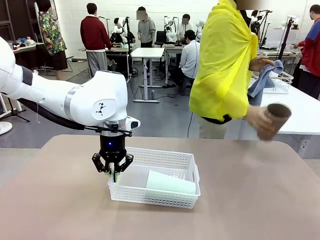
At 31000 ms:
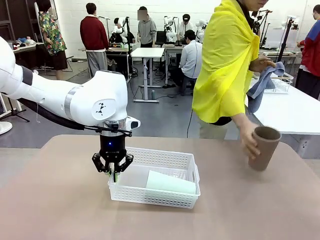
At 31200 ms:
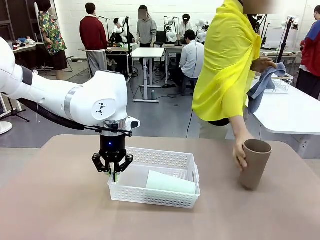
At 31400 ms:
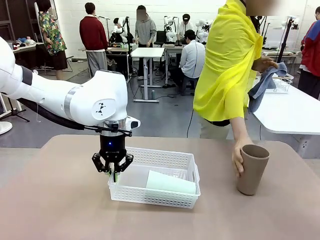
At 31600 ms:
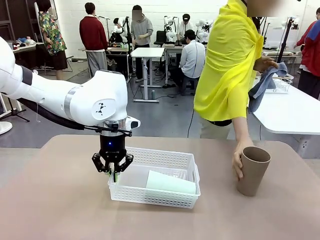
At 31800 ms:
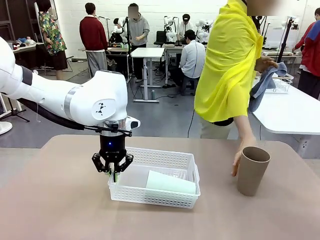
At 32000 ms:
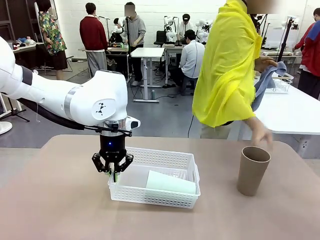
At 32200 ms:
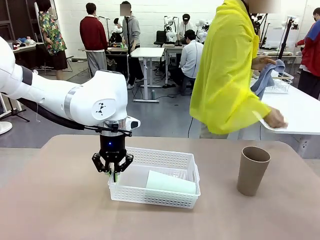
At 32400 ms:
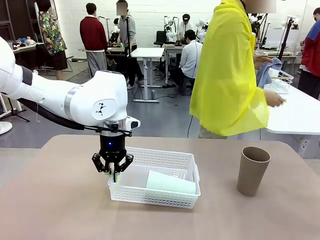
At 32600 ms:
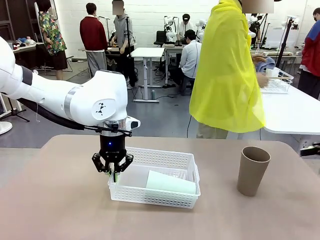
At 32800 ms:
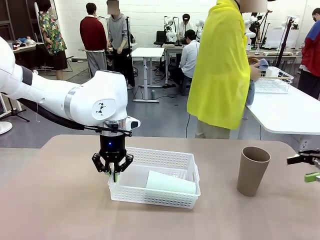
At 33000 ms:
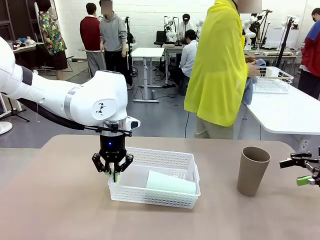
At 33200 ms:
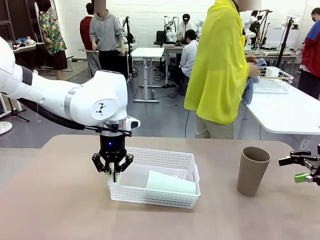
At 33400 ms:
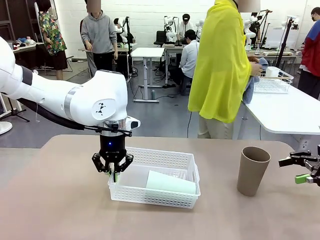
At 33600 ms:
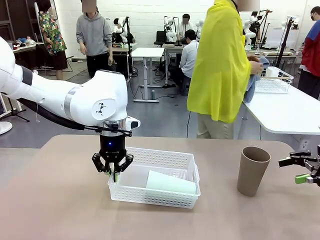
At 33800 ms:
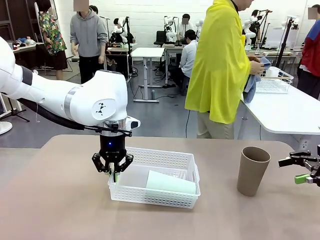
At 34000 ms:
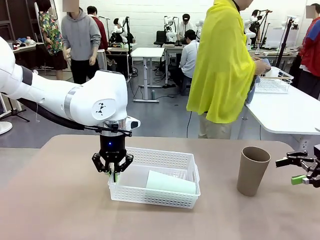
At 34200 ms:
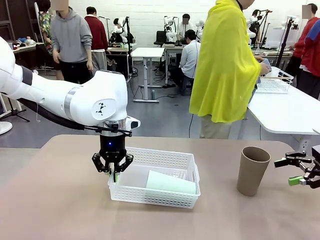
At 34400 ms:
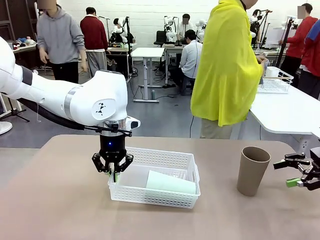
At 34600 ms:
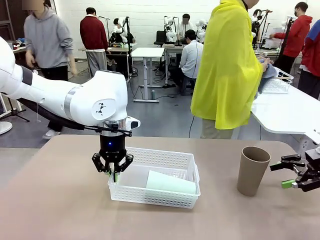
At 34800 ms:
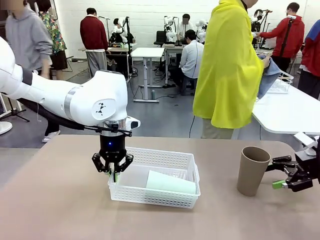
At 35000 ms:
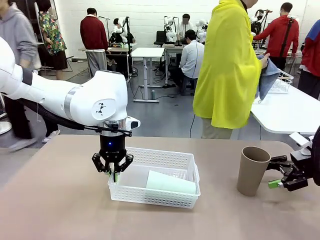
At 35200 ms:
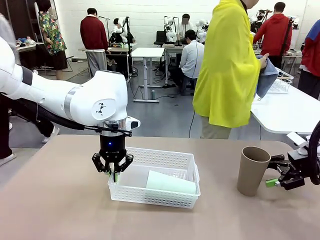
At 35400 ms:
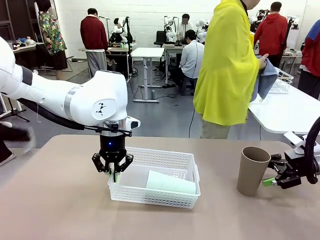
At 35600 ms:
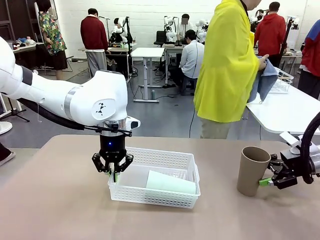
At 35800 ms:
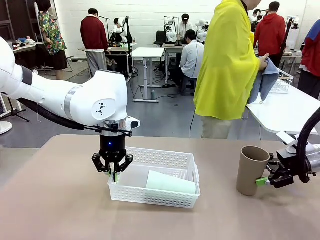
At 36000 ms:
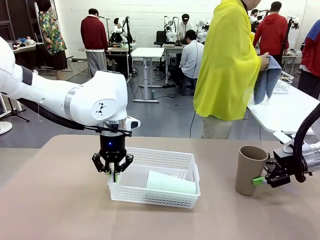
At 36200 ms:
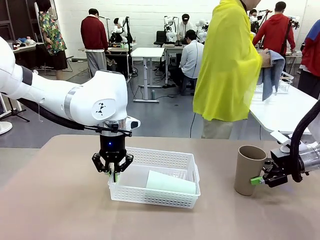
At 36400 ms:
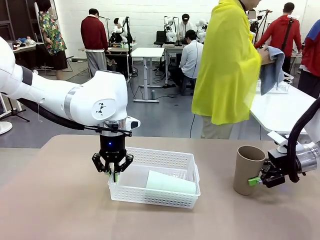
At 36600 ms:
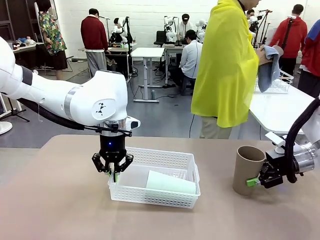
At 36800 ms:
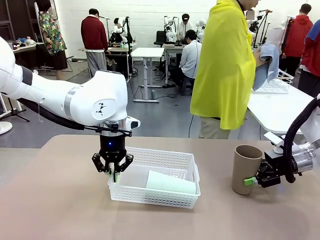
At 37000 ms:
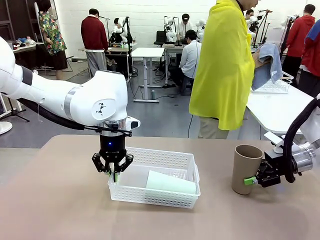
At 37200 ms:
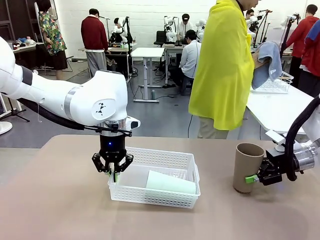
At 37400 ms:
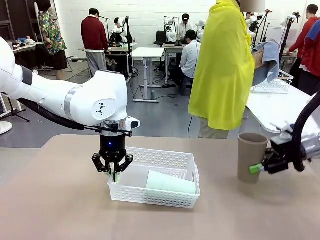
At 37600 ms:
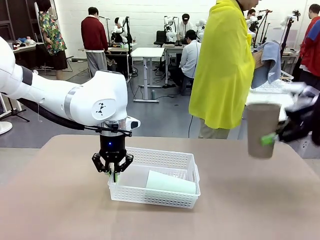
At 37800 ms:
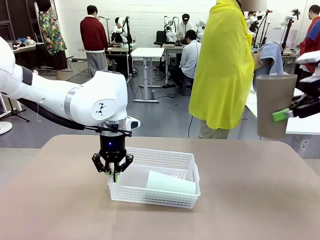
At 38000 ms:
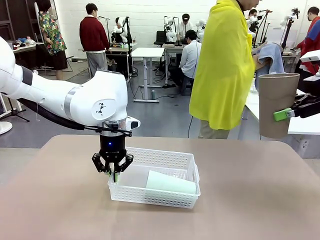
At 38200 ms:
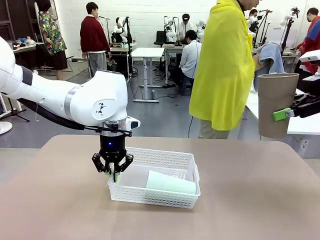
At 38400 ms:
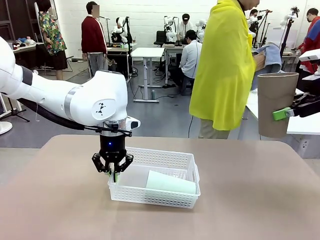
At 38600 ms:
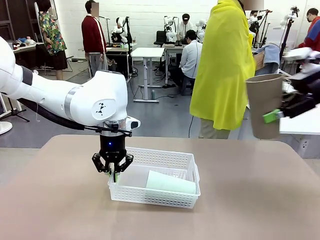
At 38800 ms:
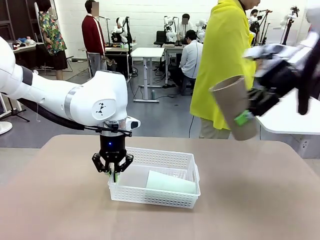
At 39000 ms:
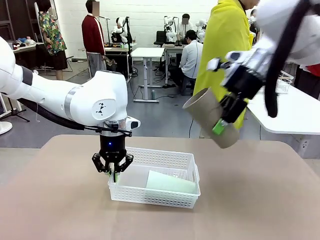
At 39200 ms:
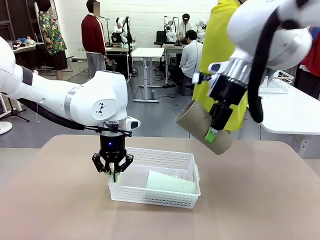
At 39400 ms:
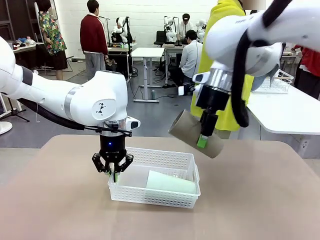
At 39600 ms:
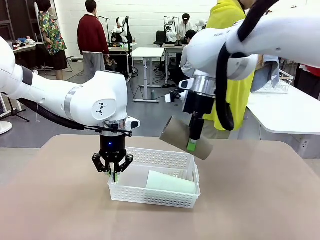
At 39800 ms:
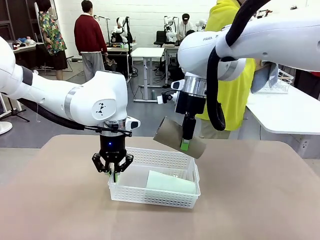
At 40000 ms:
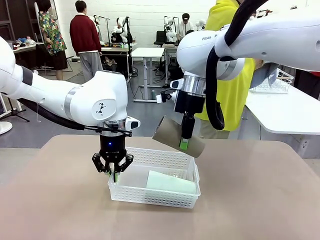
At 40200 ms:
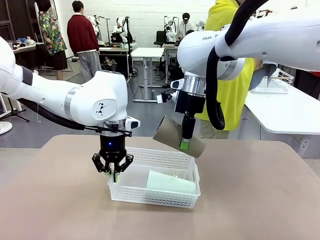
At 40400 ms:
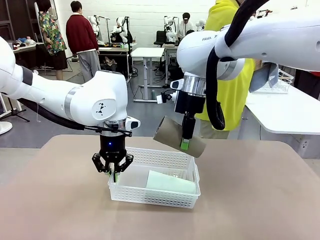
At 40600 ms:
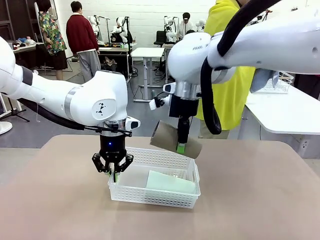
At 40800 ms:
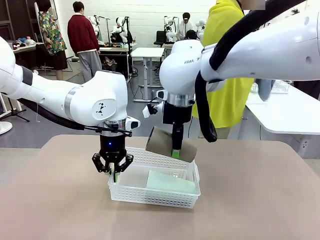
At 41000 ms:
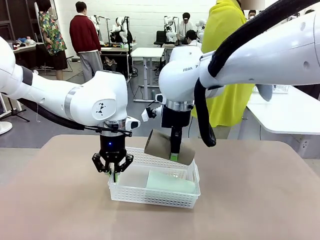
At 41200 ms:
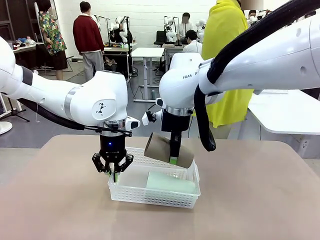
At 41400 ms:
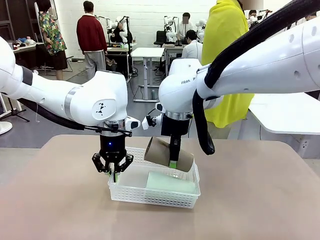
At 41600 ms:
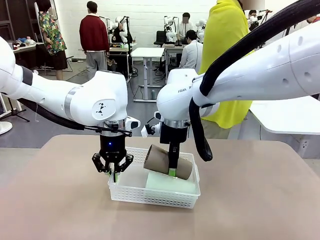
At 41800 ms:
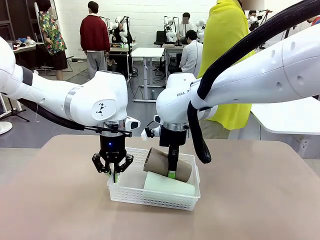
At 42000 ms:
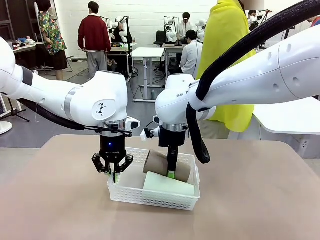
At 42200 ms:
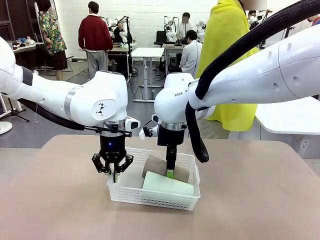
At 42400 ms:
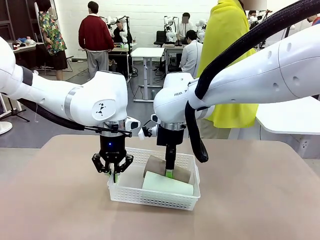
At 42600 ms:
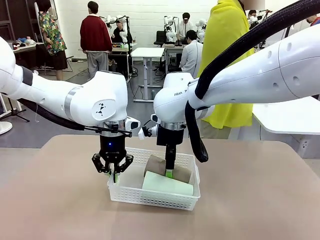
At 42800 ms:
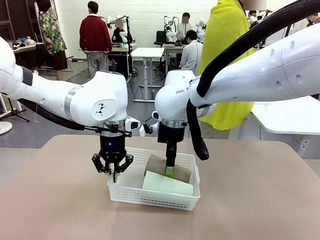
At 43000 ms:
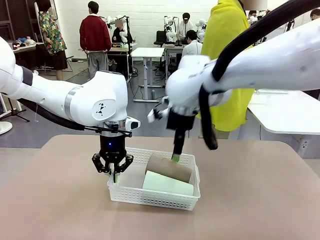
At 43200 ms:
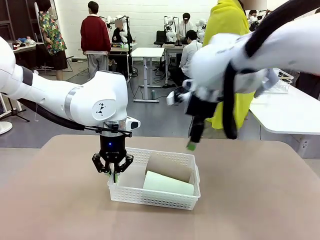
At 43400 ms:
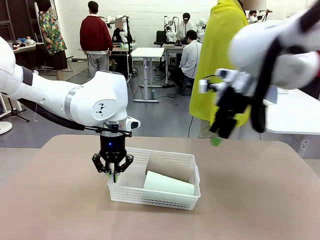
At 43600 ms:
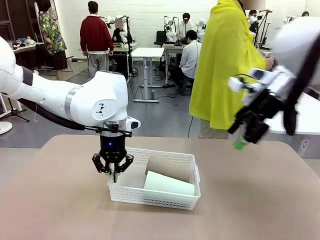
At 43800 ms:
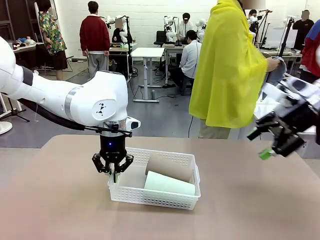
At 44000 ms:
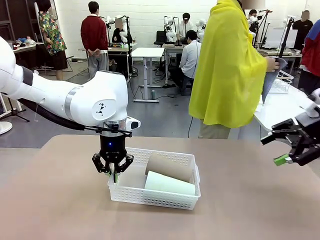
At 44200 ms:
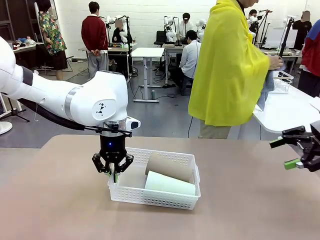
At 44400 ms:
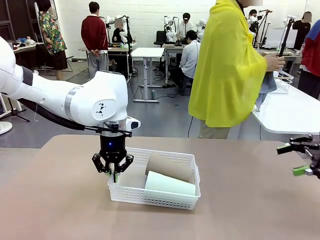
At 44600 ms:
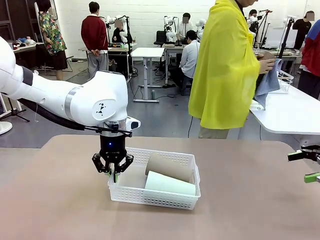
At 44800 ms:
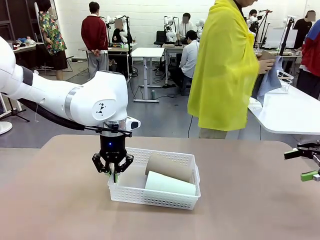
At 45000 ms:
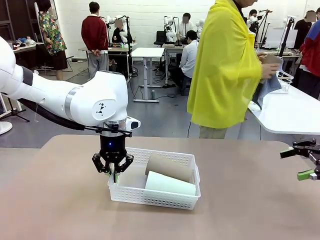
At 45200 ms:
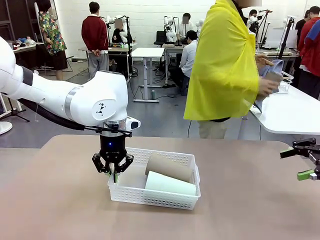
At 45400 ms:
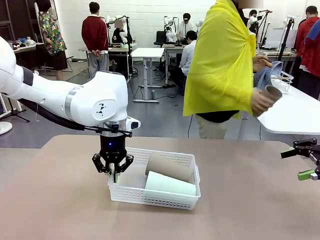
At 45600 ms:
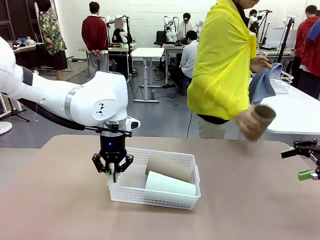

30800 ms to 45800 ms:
Task: Clean and organize the cups into the basket.
Robot: Pick up the Reusable plastic cup from the right side of the table and stack it inside the Organizing basket in the center of the table.
